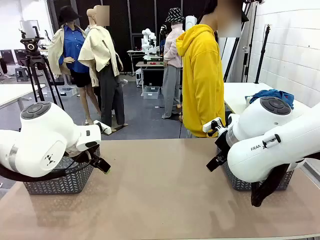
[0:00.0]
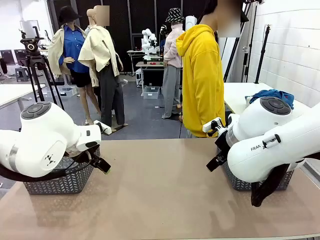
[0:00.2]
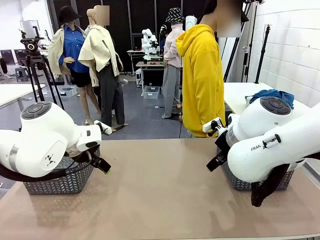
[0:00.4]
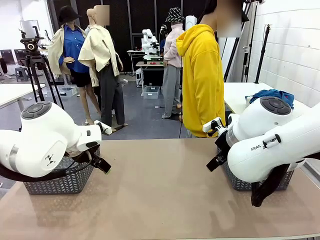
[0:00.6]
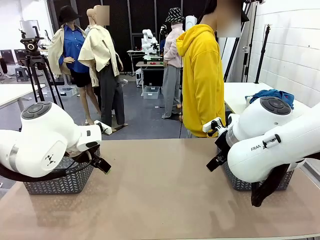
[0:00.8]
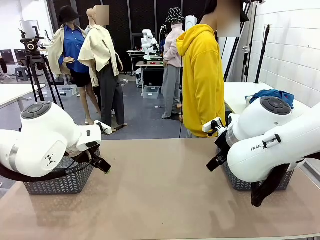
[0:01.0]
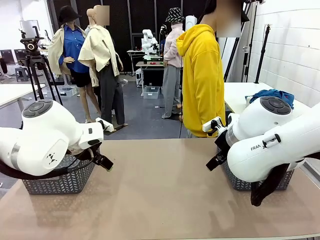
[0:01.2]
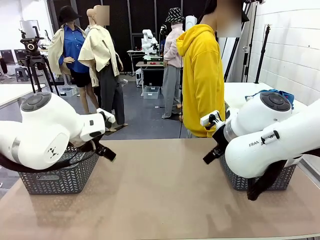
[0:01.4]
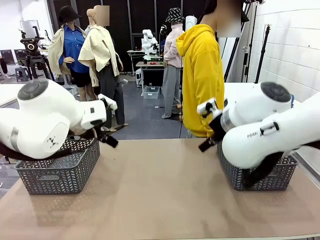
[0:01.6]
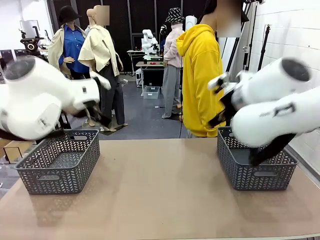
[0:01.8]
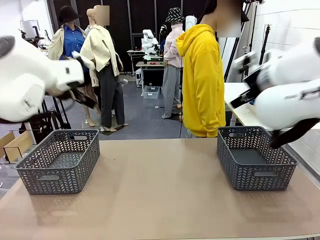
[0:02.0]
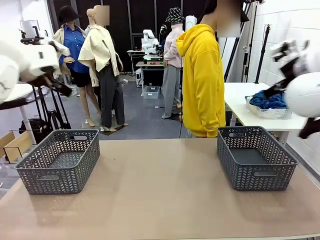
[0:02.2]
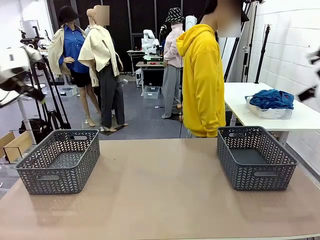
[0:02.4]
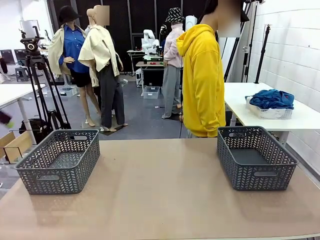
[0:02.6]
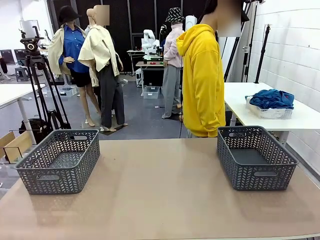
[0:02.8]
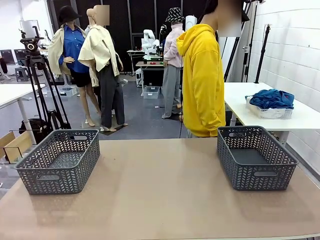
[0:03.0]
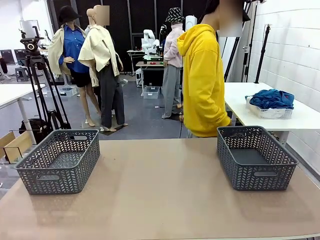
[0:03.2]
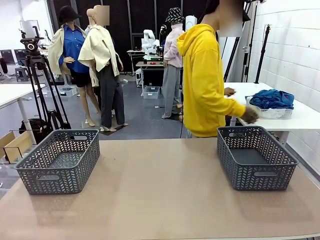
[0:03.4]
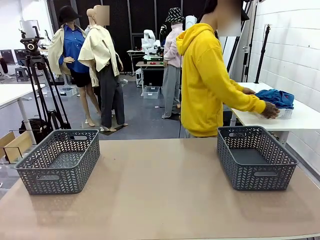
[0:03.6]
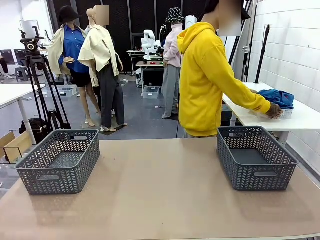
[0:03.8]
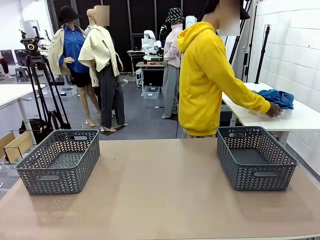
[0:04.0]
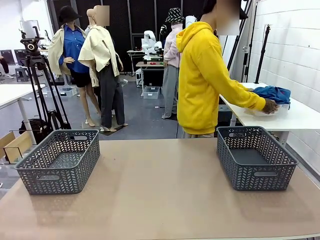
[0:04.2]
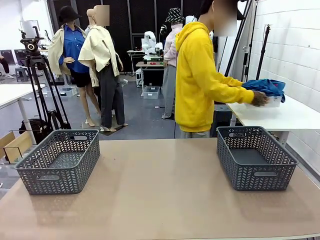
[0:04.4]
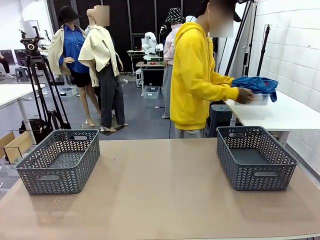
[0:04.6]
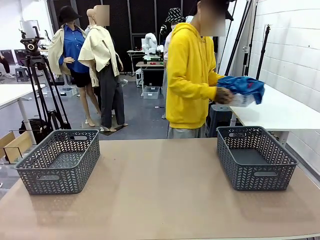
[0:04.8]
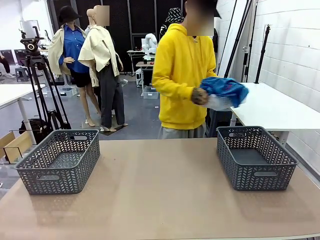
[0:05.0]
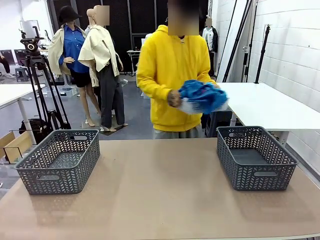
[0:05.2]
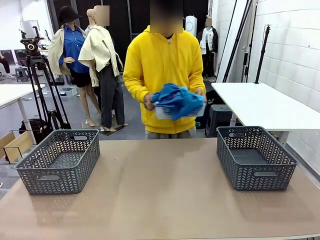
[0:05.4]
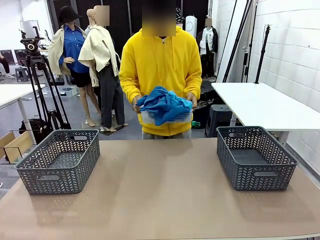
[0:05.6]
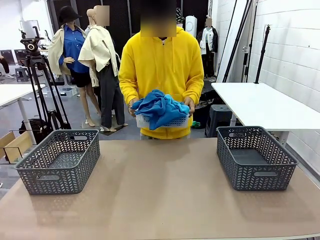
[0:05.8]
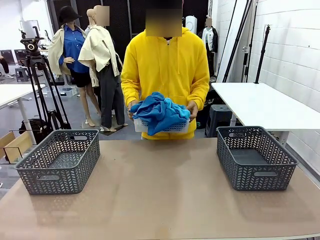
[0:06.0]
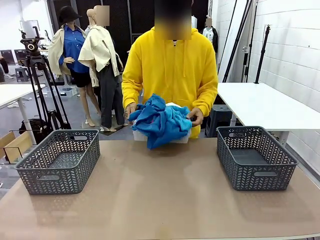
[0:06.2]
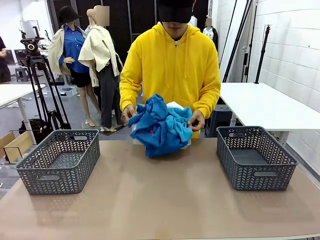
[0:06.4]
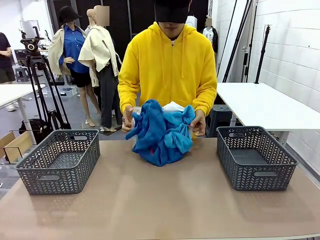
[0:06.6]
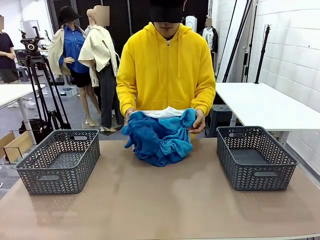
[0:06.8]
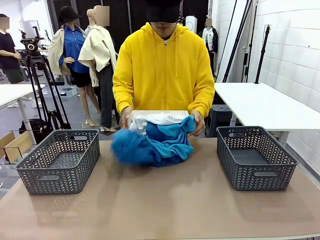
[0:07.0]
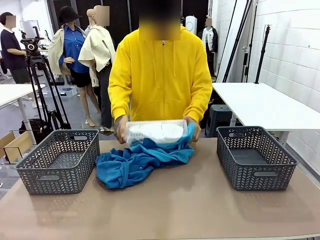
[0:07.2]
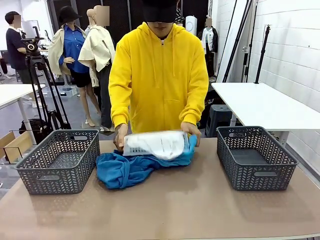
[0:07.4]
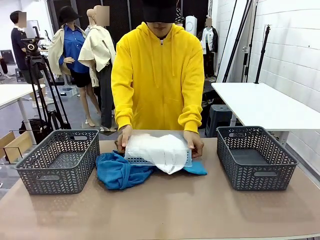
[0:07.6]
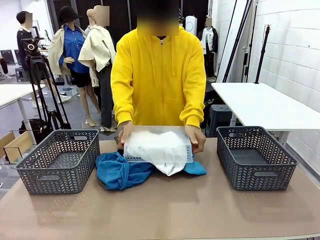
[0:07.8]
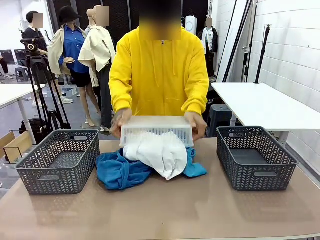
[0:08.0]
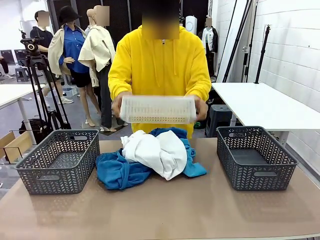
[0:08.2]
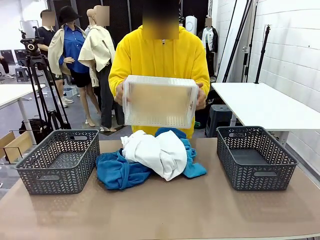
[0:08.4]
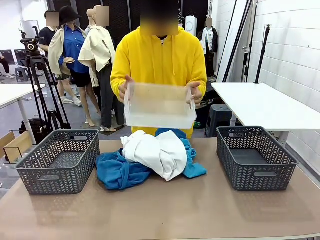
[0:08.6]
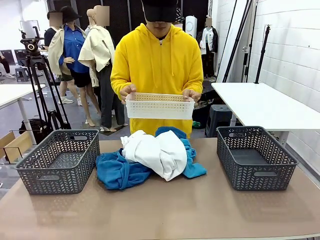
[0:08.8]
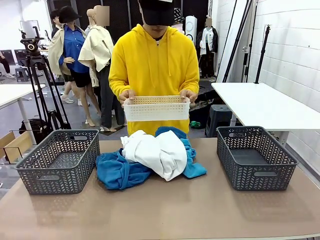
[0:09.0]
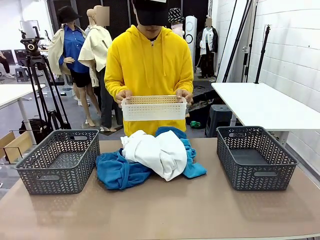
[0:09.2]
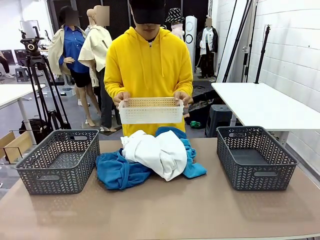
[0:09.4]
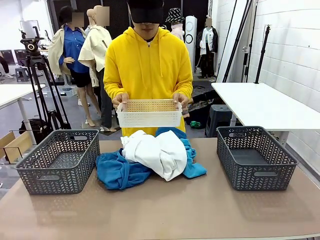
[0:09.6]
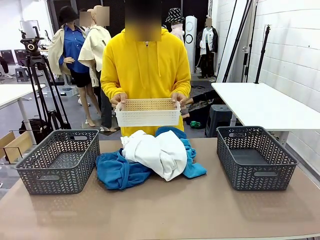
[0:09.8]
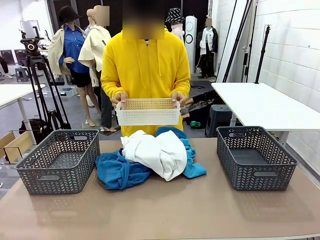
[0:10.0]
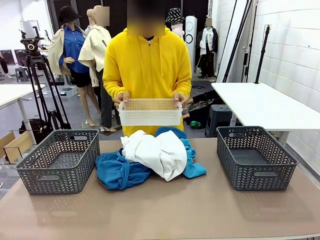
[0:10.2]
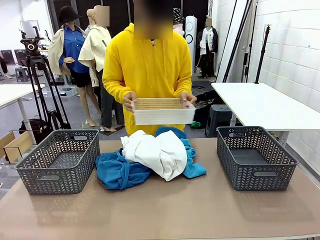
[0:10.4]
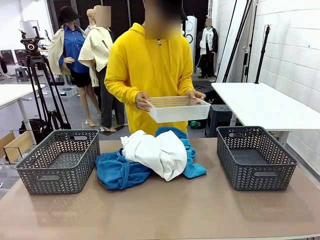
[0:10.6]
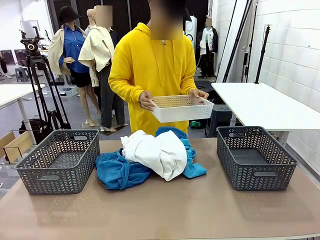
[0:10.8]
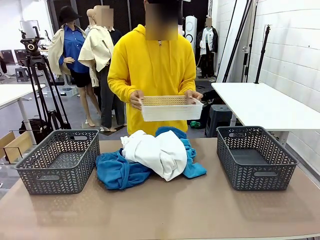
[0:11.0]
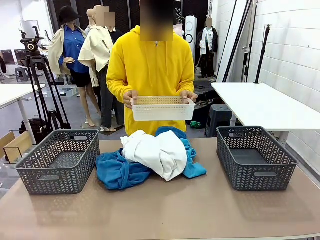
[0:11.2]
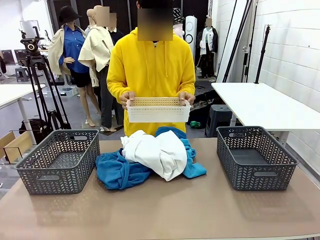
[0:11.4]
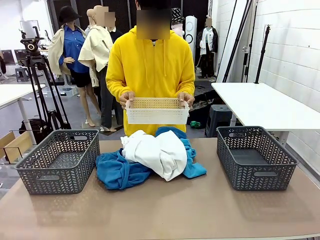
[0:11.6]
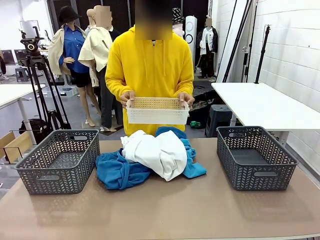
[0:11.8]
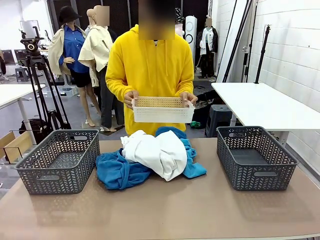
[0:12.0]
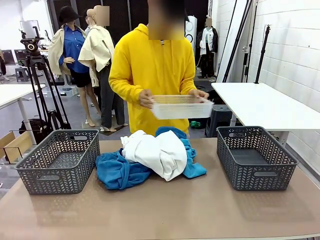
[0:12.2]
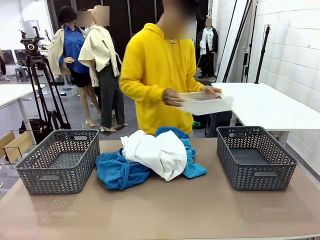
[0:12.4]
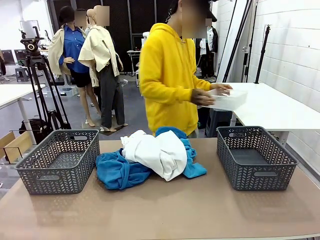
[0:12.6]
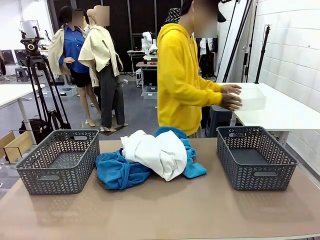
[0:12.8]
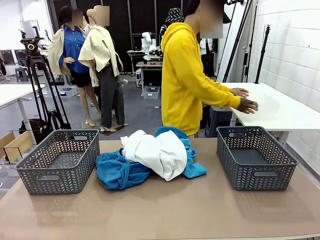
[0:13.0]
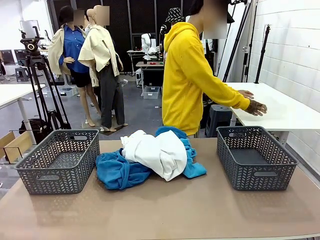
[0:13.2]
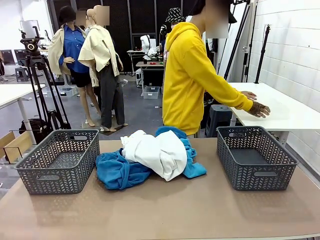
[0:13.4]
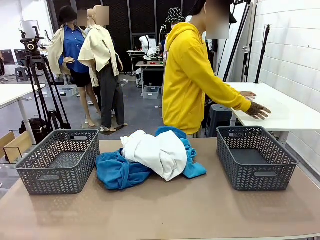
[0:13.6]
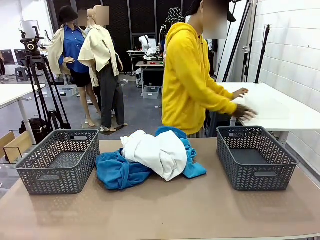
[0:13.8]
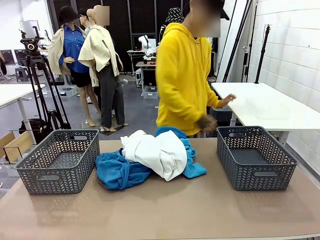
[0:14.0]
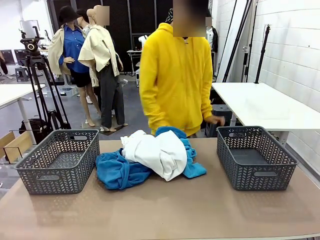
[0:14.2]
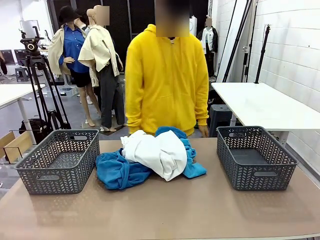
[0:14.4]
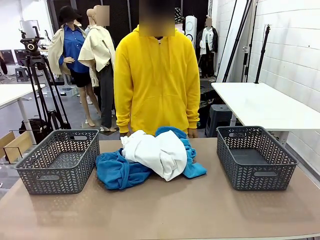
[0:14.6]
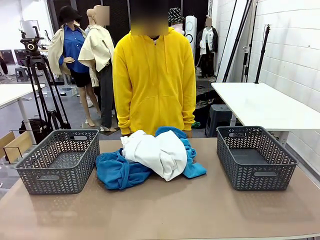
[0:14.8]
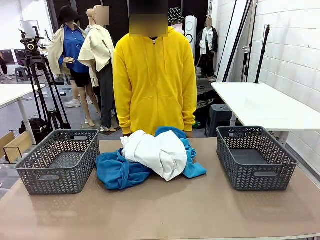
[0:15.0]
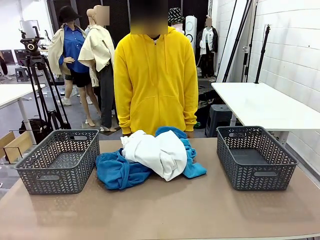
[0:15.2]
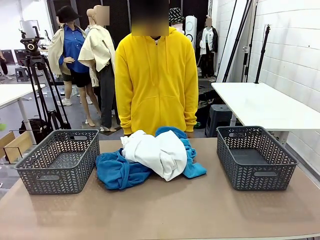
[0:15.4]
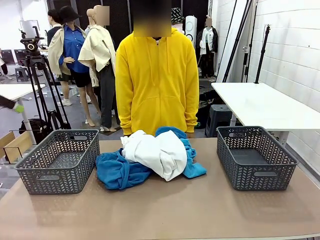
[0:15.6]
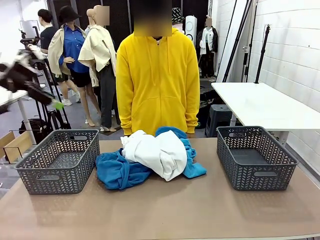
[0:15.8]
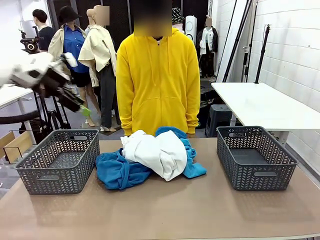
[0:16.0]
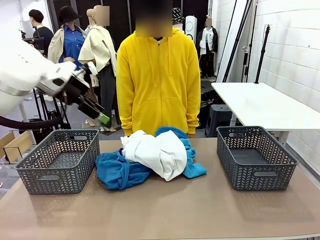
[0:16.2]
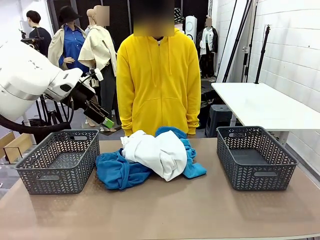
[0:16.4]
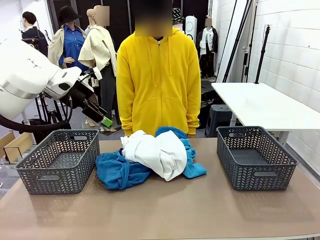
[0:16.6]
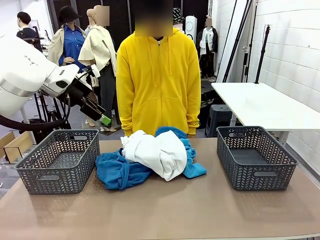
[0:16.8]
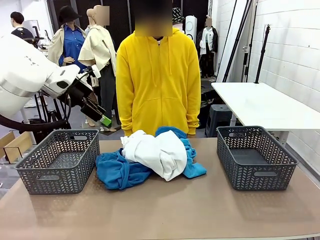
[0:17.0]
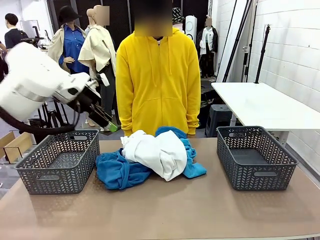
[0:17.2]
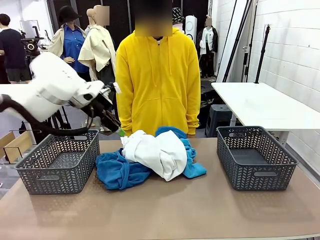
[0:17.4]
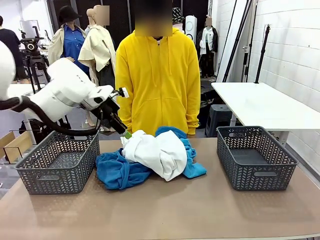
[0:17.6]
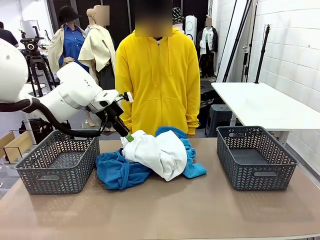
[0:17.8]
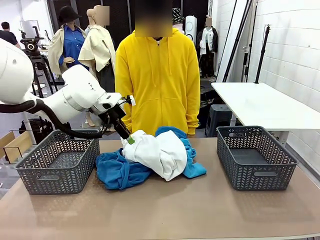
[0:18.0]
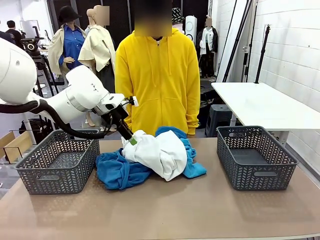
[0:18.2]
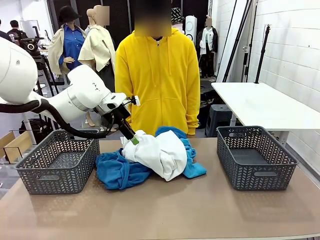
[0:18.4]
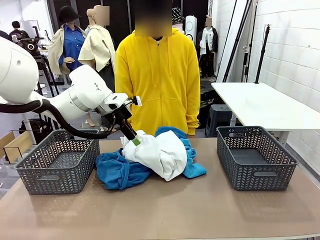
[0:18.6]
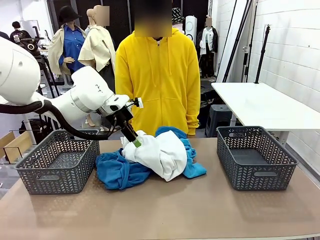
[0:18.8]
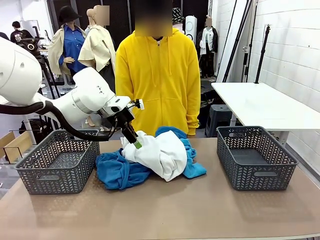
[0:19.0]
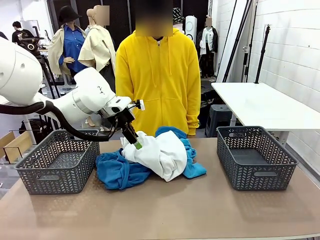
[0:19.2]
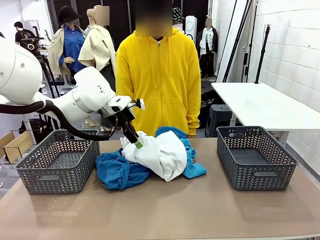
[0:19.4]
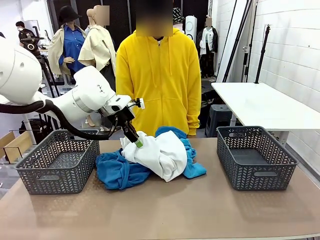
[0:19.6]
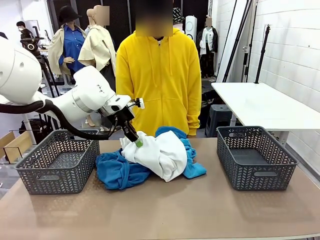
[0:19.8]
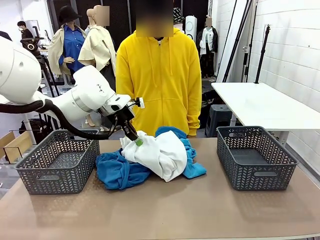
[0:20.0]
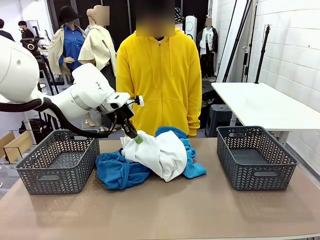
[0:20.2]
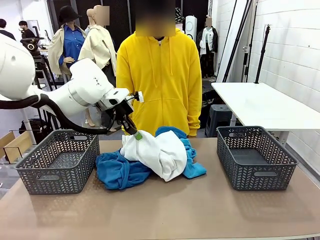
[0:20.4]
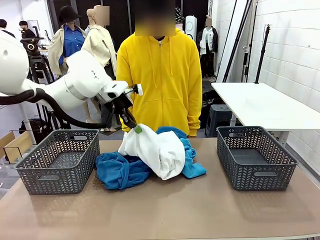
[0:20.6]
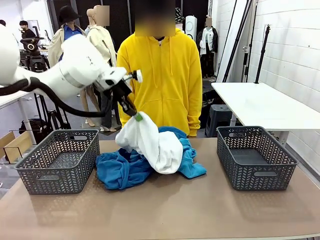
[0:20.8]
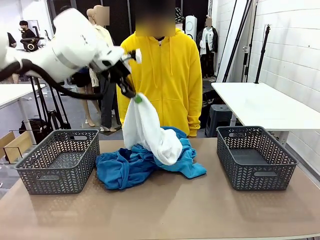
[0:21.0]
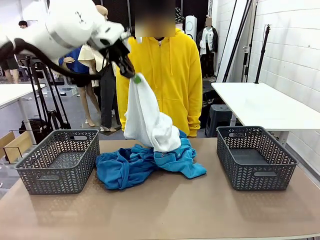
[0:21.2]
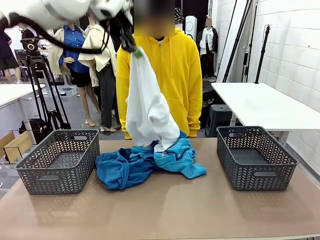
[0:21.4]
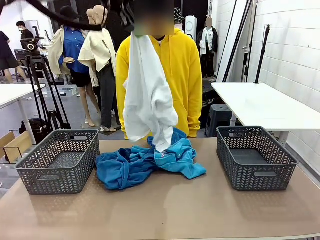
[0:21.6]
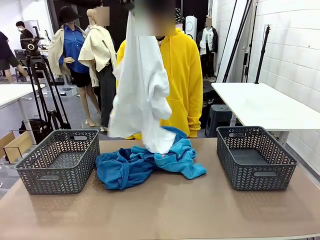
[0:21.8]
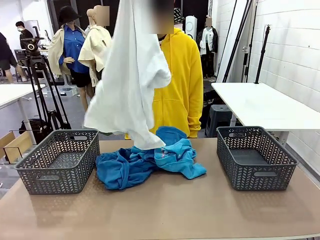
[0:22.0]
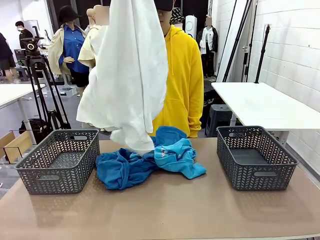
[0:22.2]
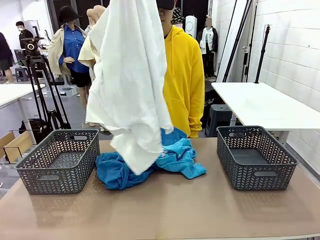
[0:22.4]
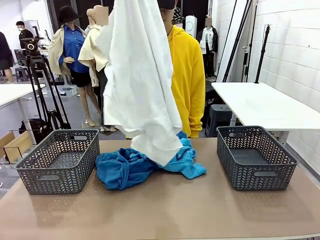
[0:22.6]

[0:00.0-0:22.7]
Task: Sort the tops and bottoms.
Robot: Lift clothes from the center of the table with your left hand.
Person: Pour the clothes from the basket onto the center of the robot table.
